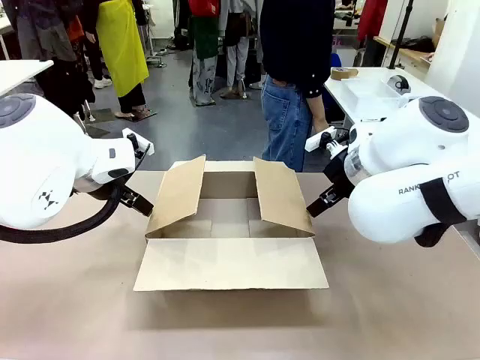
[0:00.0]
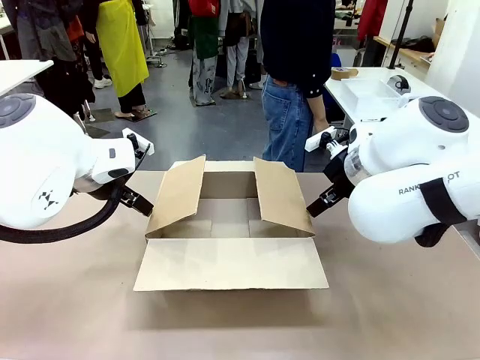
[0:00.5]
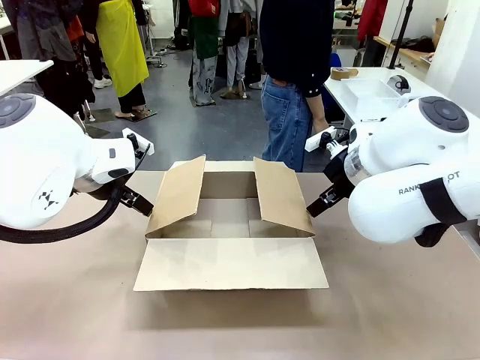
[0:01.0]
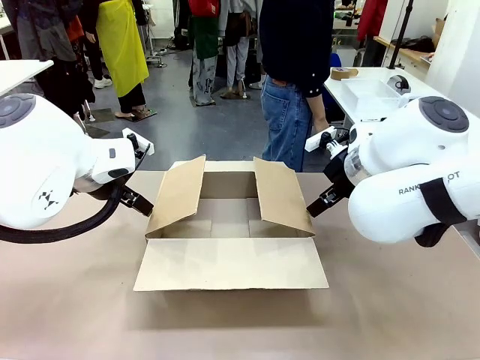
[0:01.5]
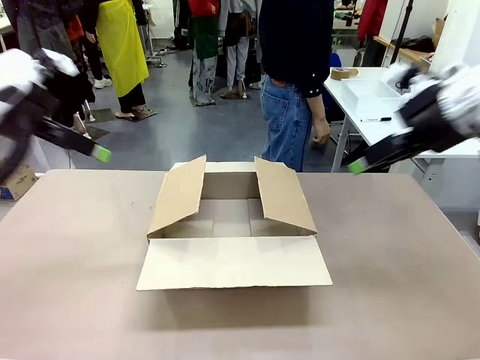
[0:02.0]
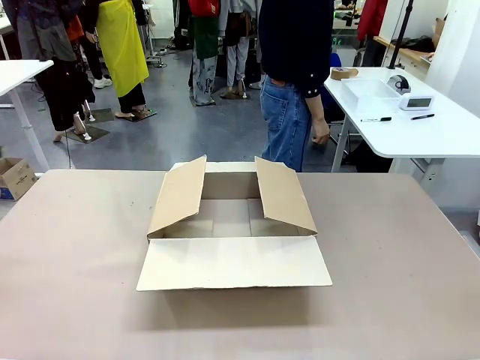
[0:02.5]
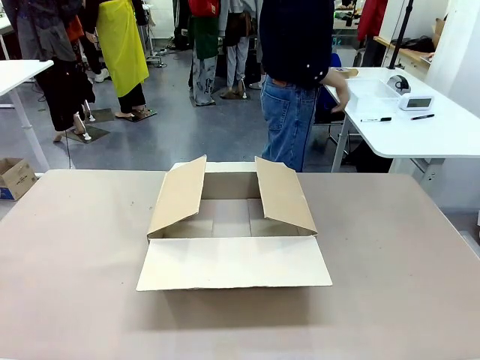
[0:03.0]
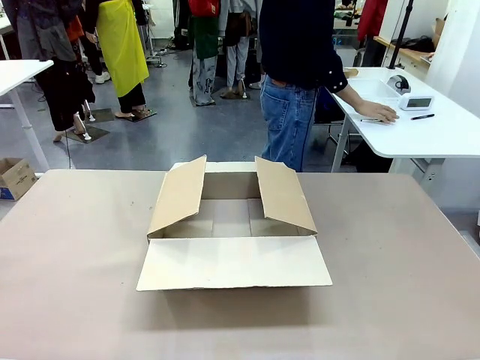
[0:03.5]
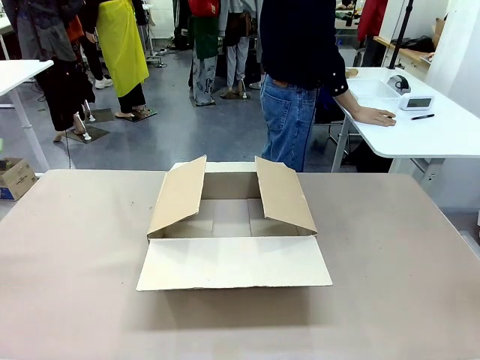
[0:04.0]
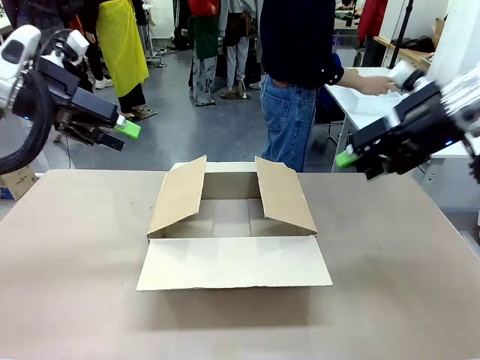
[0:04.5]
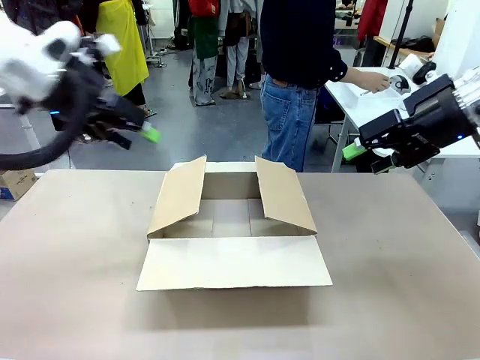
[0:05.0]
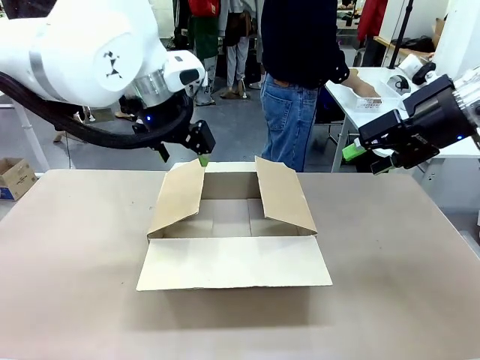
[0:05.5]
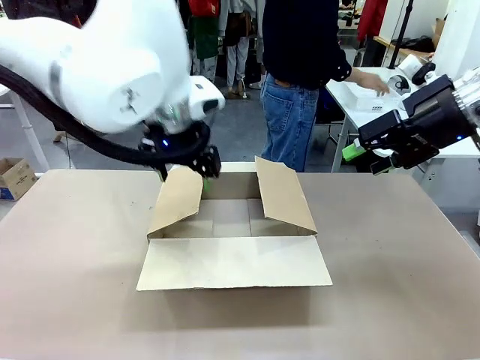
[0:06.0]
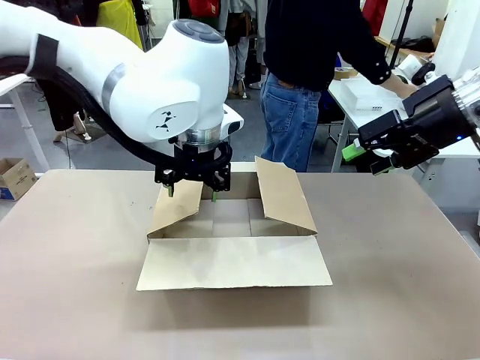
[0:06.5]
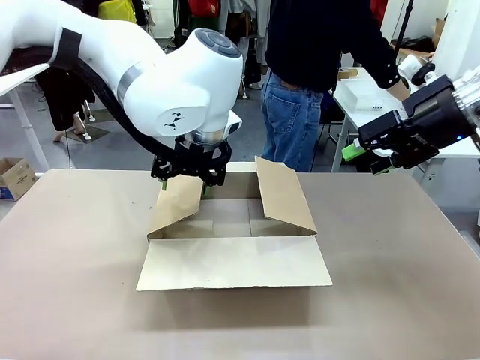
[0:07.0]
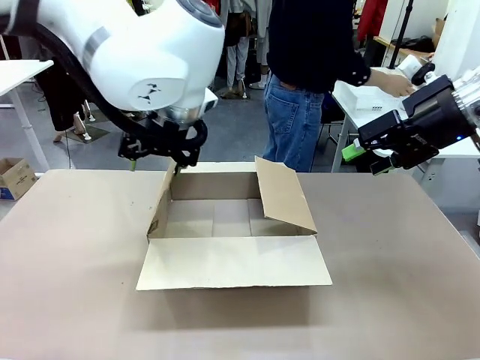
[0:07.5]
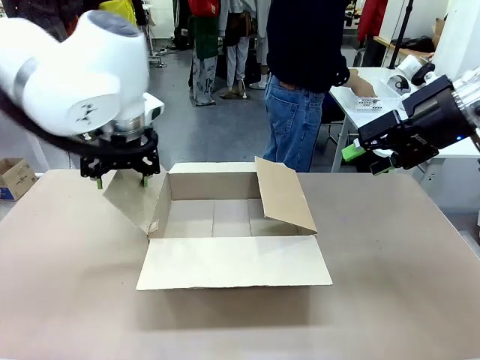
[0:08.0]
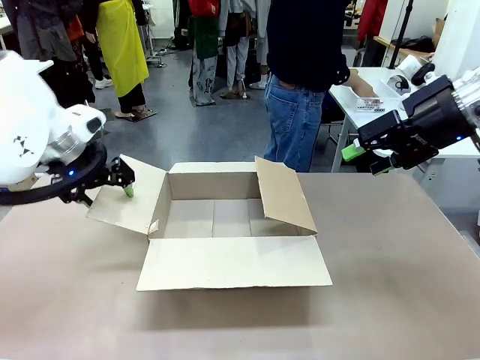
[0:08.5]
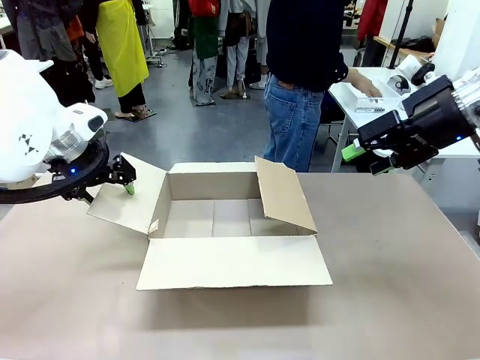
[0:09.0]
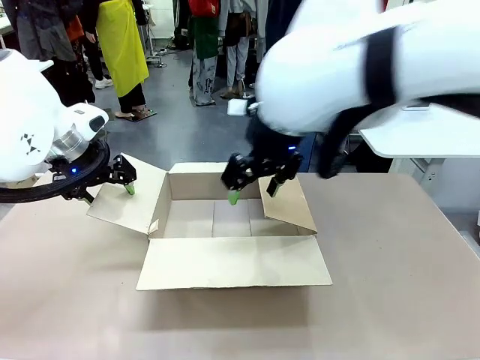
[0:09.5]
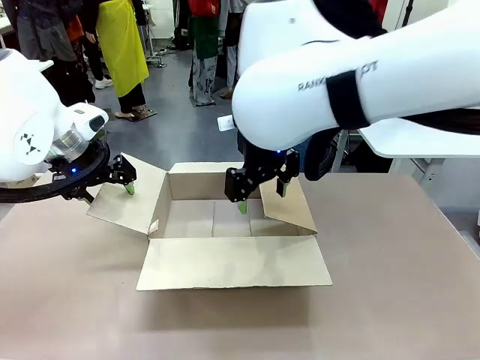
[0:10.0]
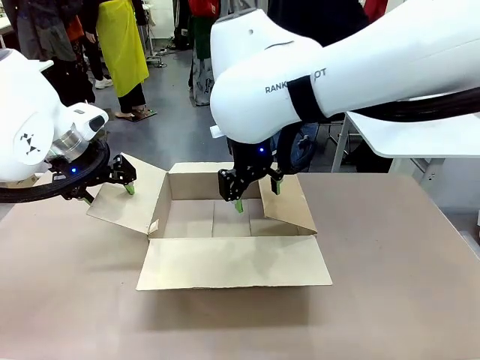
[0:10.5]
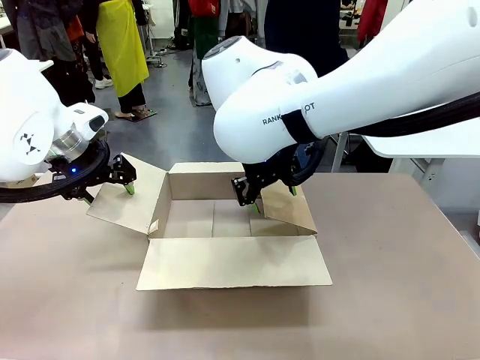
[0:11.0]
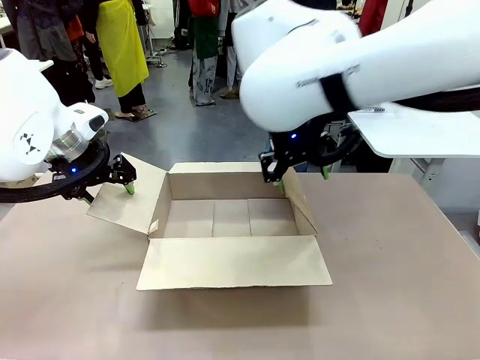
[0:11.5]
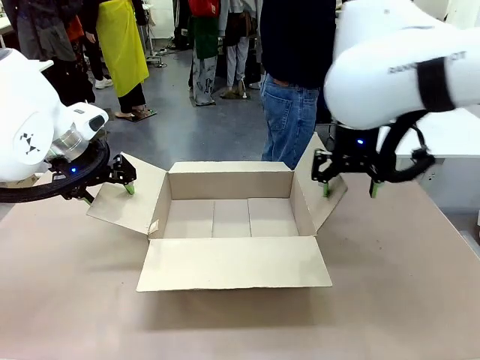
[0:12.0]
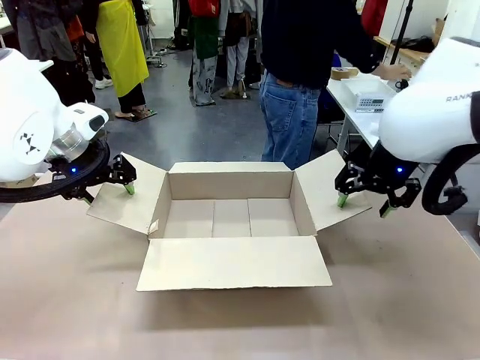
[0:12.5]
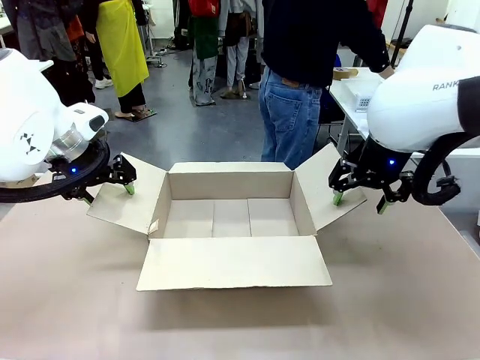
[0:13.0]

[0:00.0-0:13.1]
Task: Pack the gift set into the box.
Robot: Place both hands on the side flaps of the Package Box and spread them outward.
Person: The human places all items except the paper tape into the organizing basket.

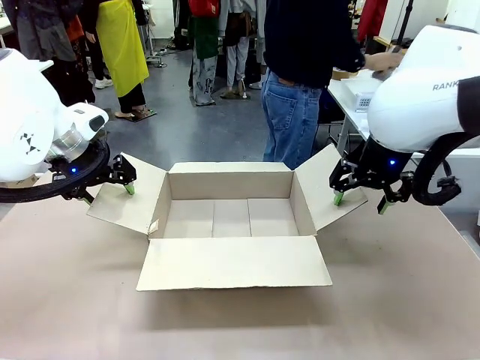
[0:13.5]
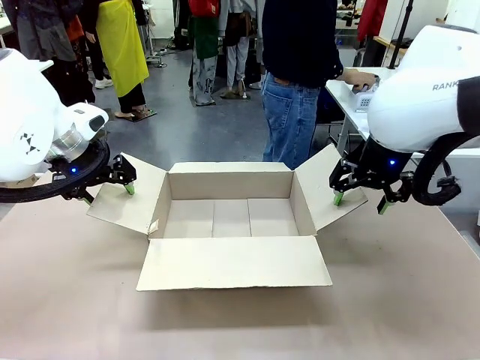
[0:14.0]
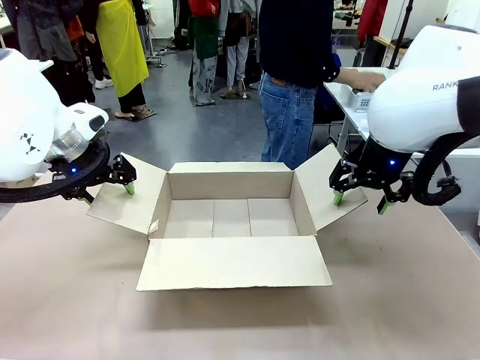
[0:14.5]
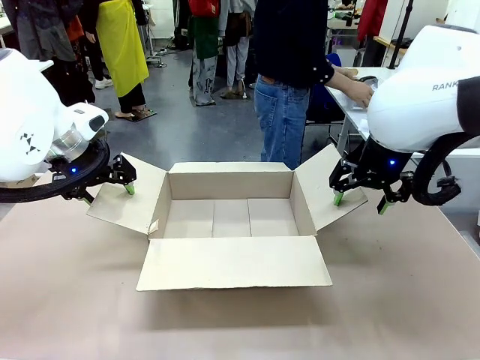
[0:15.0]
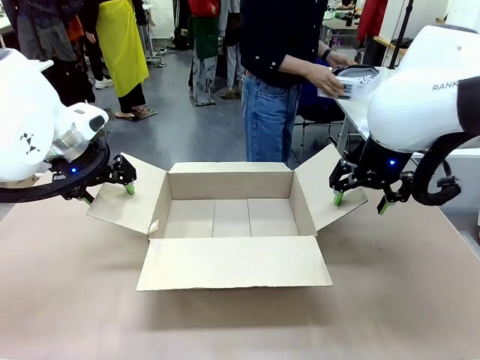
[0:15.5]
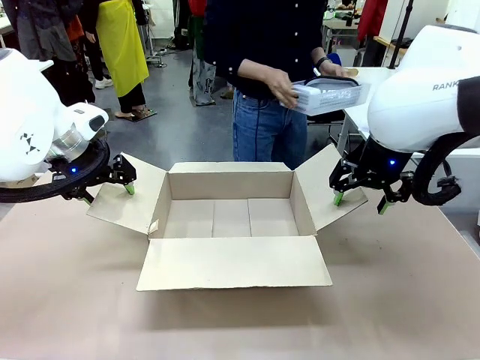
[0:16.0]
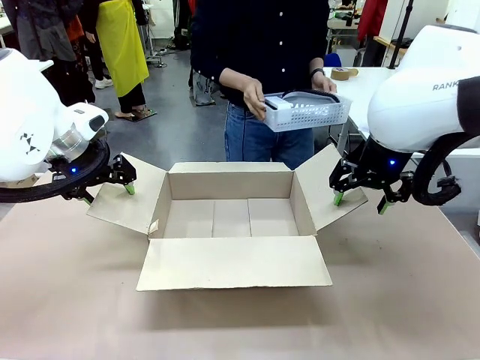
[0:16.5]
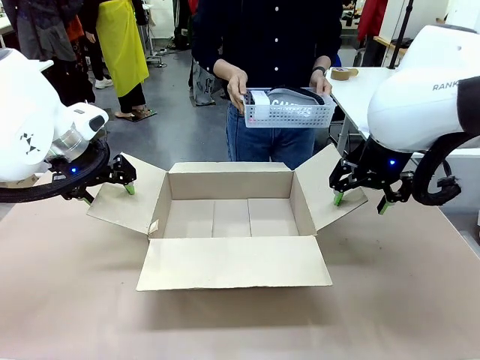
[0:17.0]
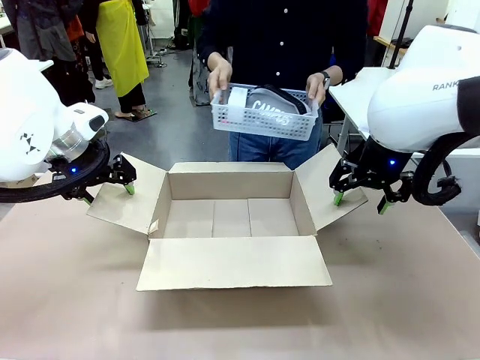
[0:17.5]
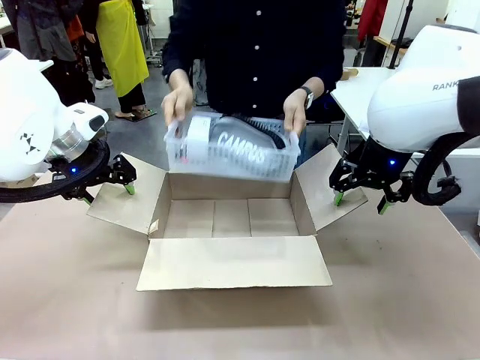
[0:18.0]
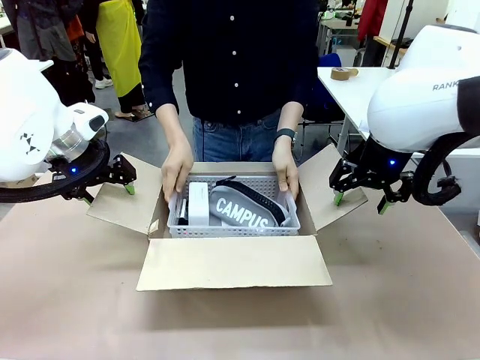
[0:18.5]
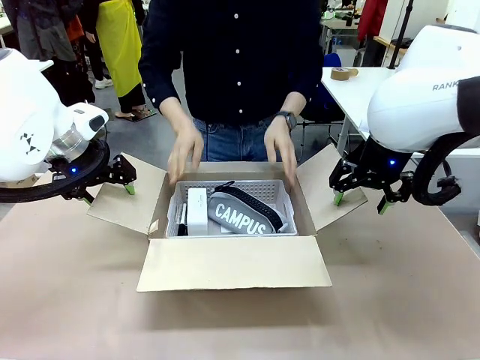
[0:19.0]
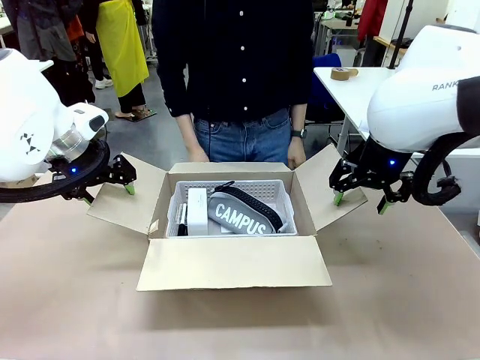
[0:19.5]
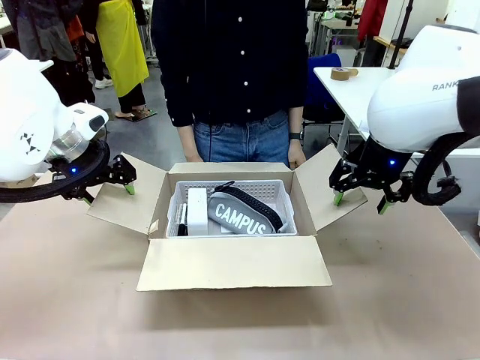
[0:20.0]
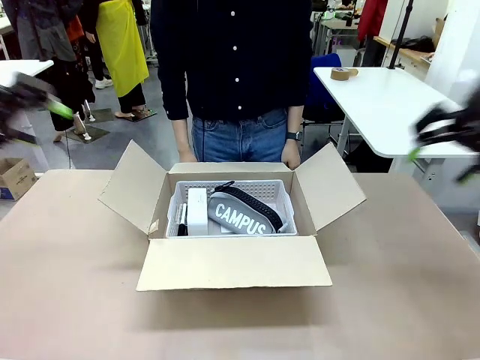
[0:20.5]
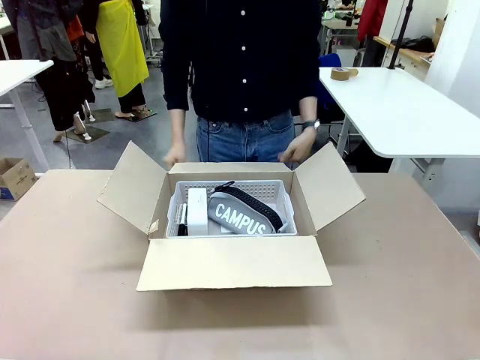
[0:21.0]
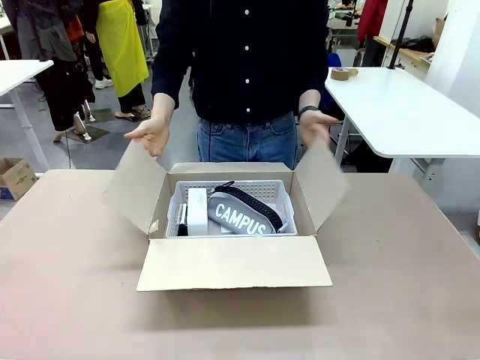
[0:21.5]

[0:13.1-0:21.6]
Robot: Lift both hands away from the flaps of the Package Box.
Person: The human picks up the organizing basket and places the organizing basket into the package box on the robot table.
